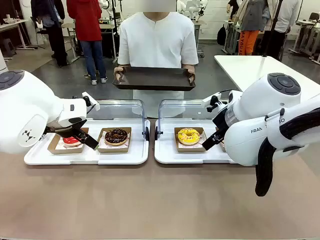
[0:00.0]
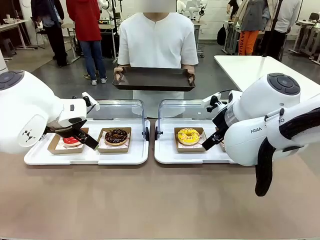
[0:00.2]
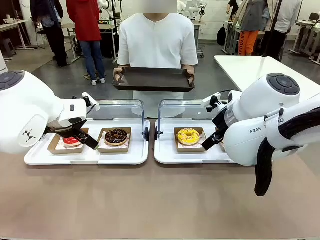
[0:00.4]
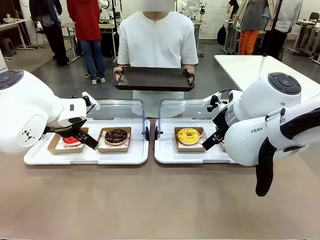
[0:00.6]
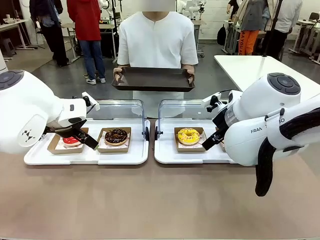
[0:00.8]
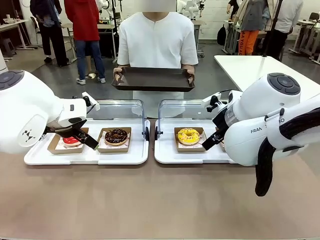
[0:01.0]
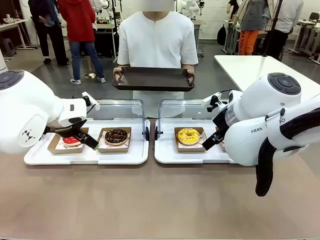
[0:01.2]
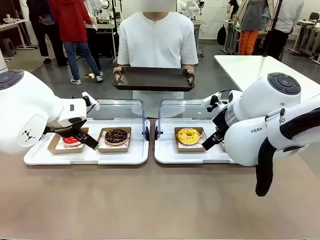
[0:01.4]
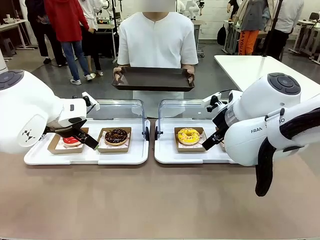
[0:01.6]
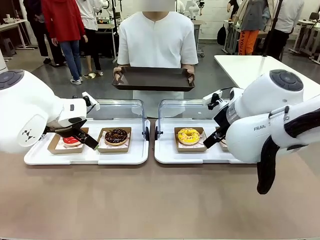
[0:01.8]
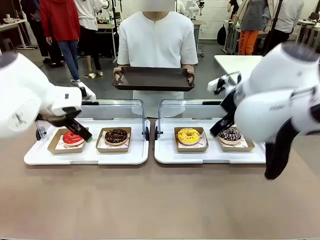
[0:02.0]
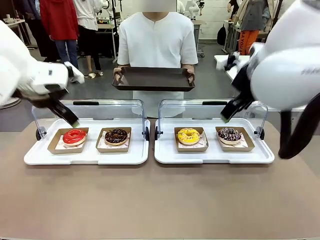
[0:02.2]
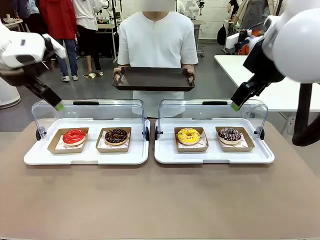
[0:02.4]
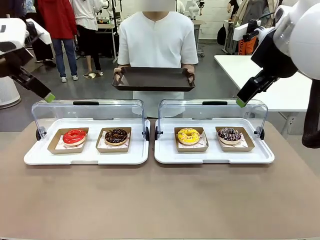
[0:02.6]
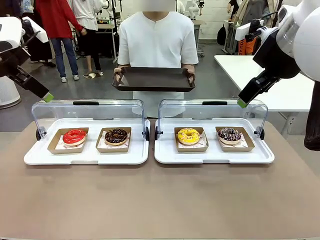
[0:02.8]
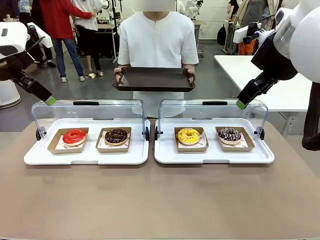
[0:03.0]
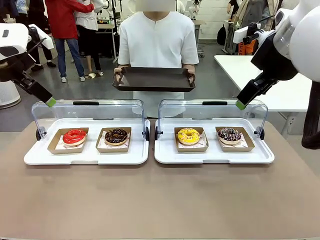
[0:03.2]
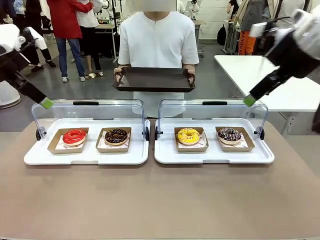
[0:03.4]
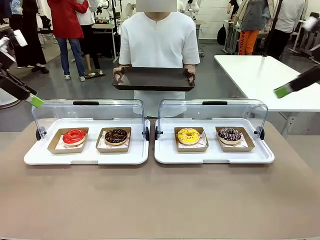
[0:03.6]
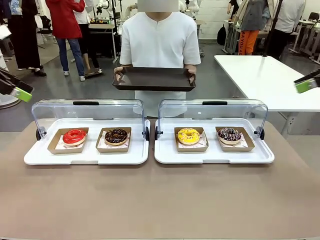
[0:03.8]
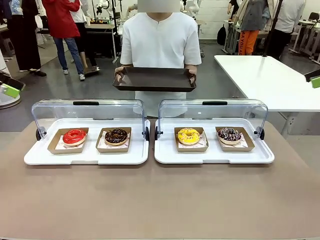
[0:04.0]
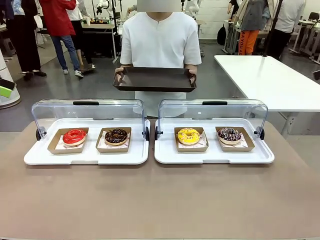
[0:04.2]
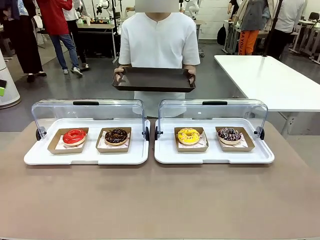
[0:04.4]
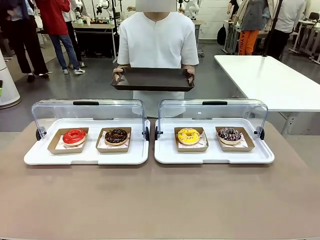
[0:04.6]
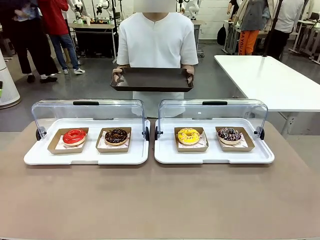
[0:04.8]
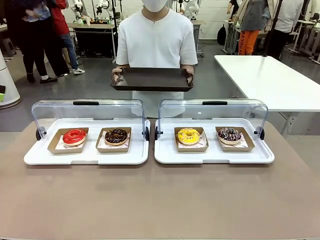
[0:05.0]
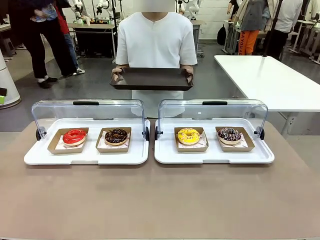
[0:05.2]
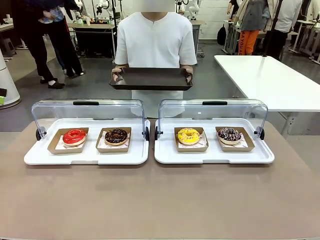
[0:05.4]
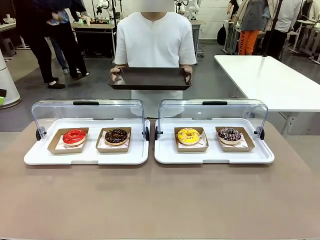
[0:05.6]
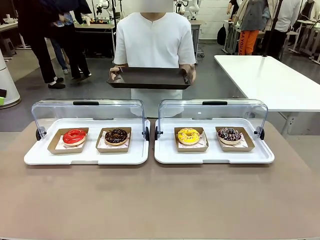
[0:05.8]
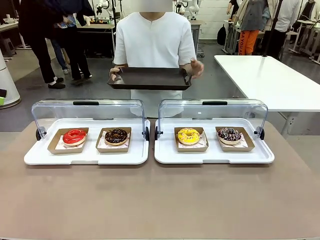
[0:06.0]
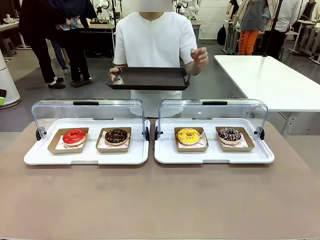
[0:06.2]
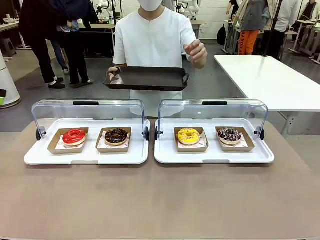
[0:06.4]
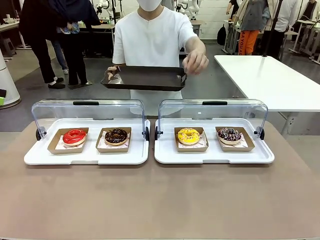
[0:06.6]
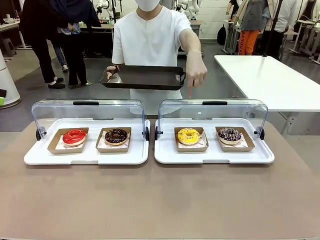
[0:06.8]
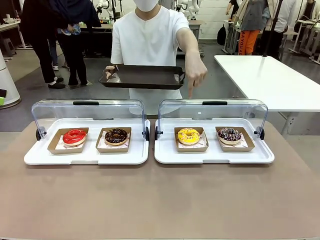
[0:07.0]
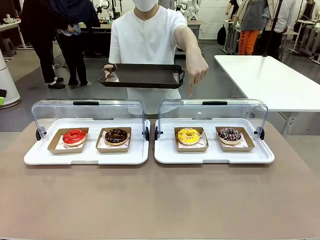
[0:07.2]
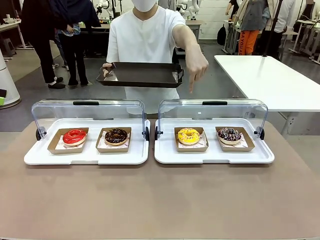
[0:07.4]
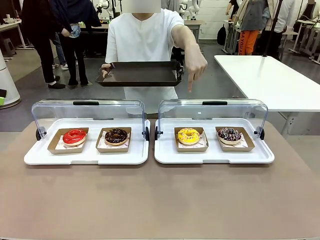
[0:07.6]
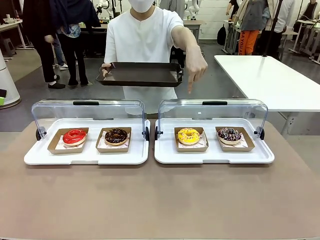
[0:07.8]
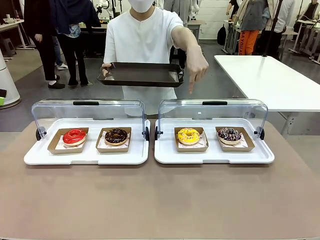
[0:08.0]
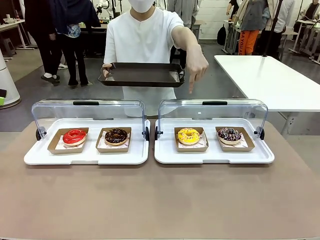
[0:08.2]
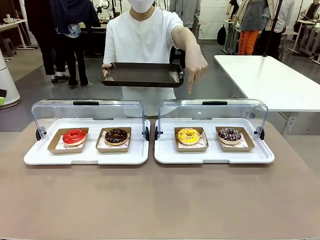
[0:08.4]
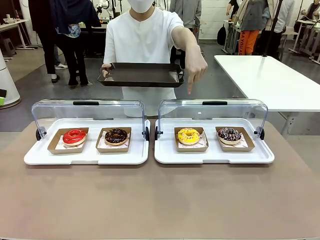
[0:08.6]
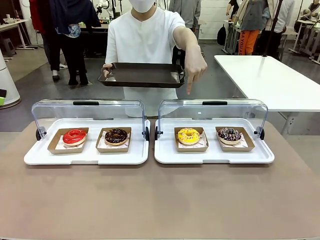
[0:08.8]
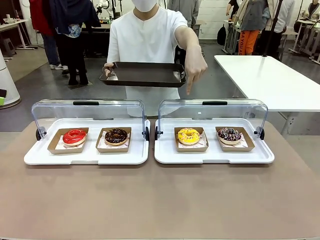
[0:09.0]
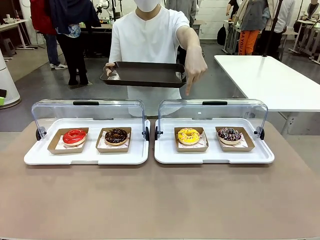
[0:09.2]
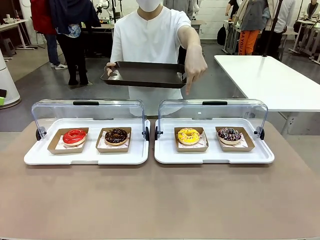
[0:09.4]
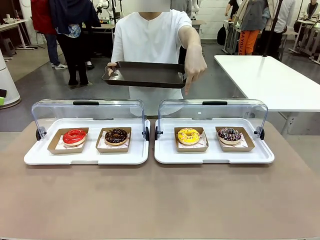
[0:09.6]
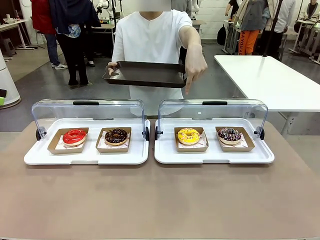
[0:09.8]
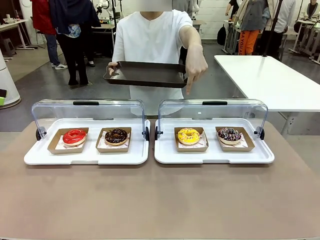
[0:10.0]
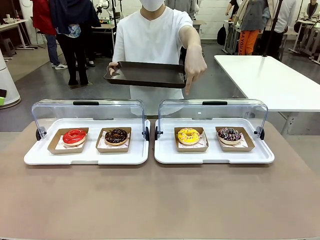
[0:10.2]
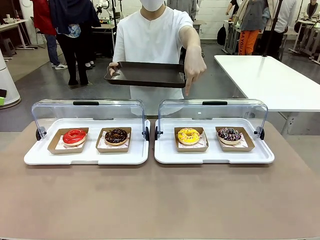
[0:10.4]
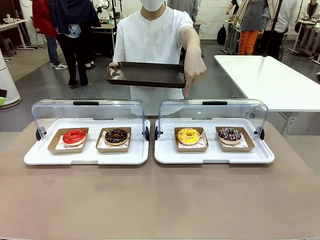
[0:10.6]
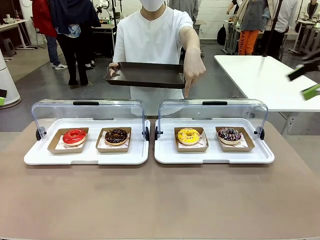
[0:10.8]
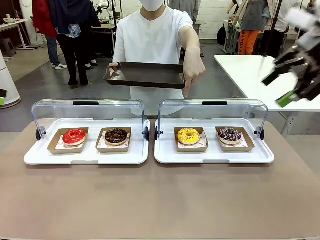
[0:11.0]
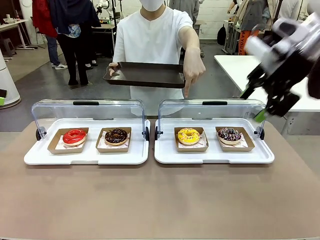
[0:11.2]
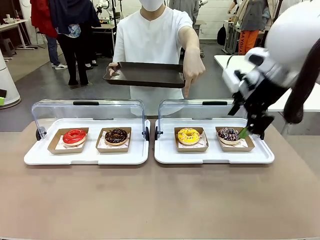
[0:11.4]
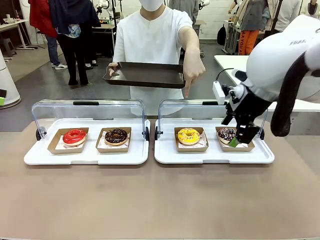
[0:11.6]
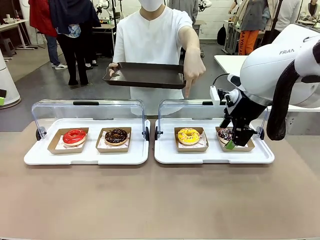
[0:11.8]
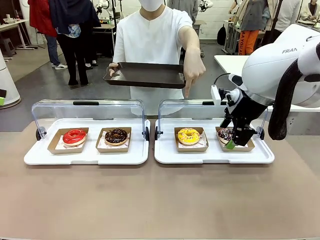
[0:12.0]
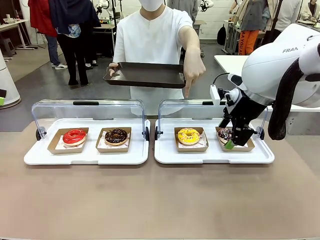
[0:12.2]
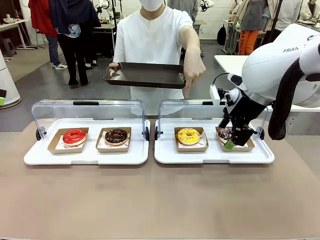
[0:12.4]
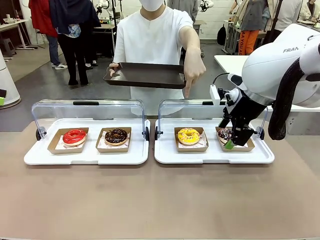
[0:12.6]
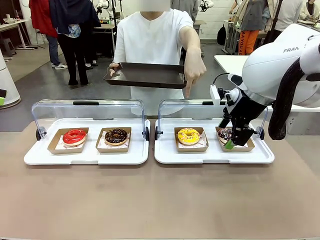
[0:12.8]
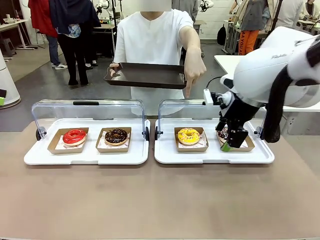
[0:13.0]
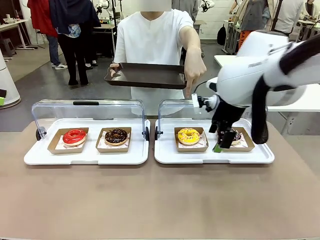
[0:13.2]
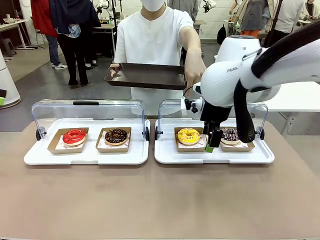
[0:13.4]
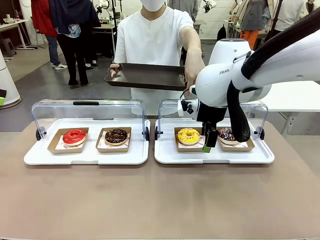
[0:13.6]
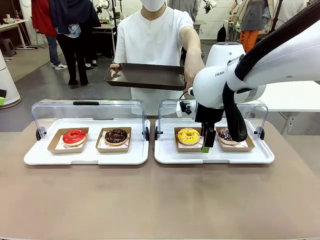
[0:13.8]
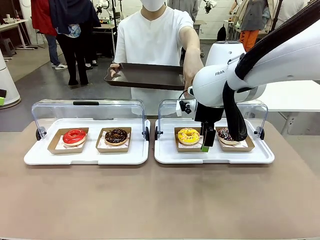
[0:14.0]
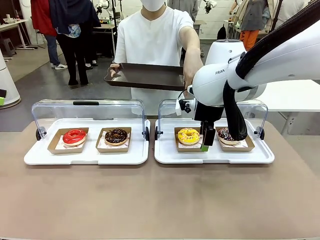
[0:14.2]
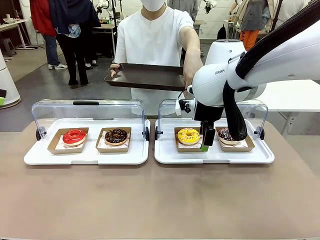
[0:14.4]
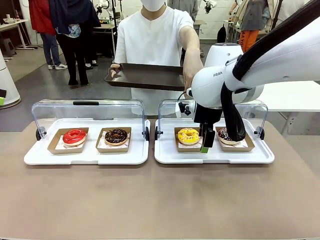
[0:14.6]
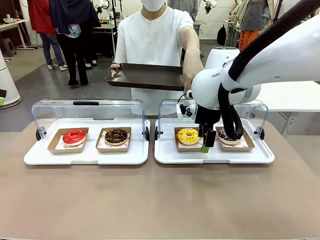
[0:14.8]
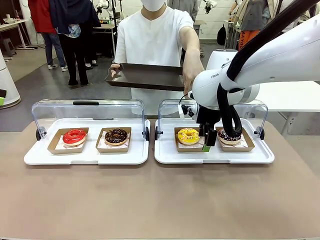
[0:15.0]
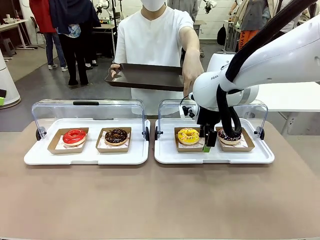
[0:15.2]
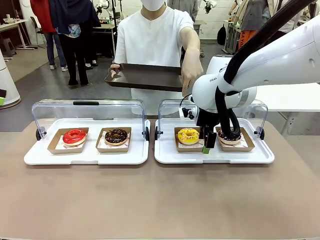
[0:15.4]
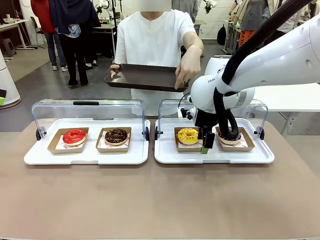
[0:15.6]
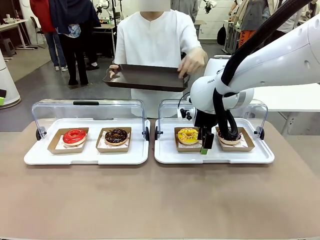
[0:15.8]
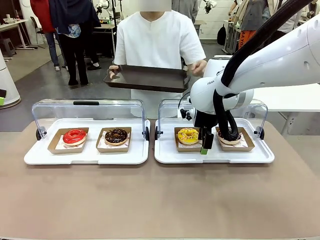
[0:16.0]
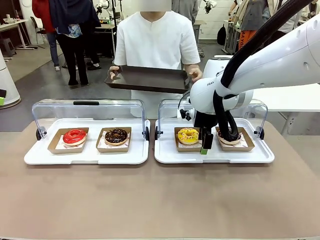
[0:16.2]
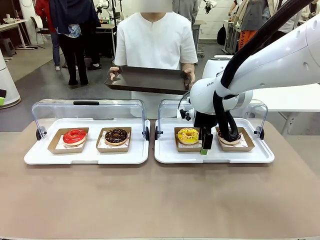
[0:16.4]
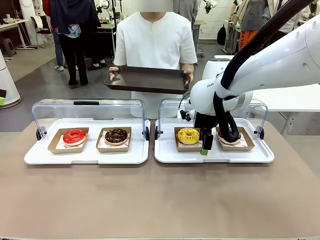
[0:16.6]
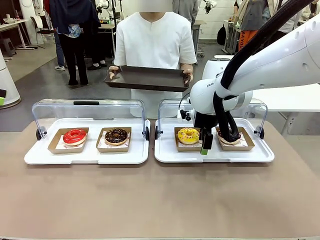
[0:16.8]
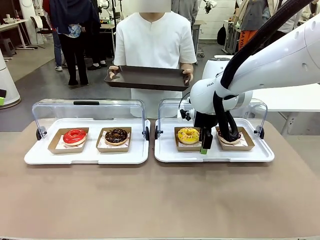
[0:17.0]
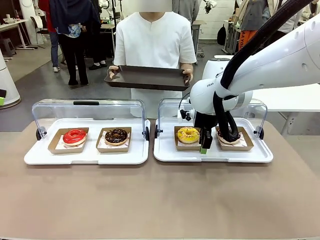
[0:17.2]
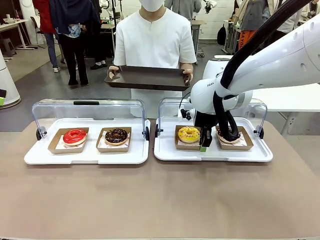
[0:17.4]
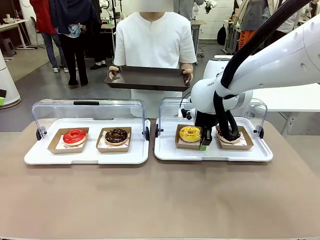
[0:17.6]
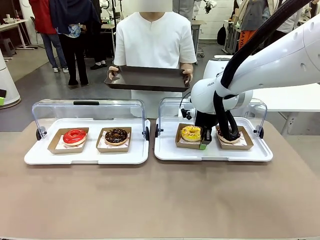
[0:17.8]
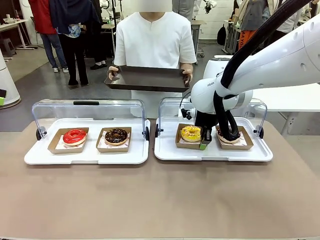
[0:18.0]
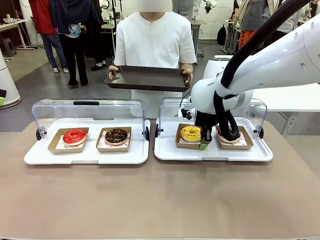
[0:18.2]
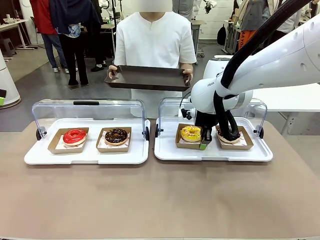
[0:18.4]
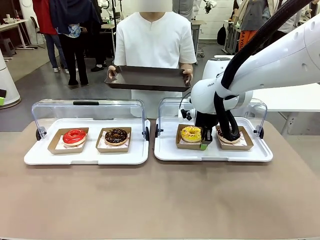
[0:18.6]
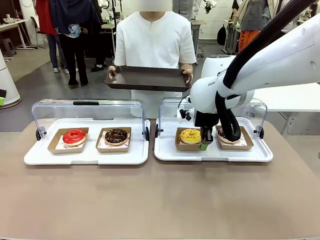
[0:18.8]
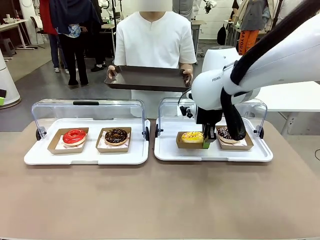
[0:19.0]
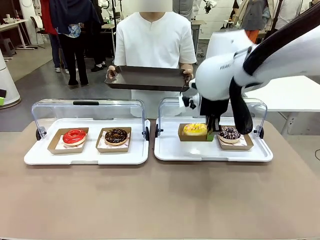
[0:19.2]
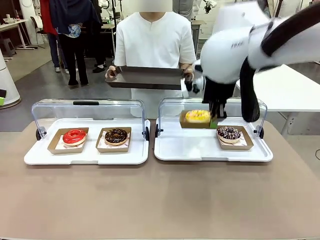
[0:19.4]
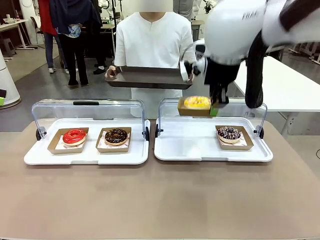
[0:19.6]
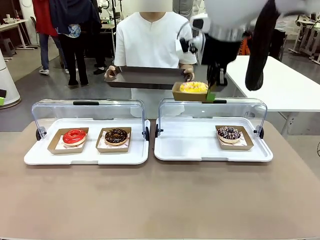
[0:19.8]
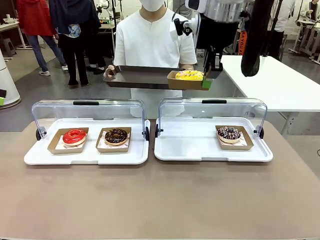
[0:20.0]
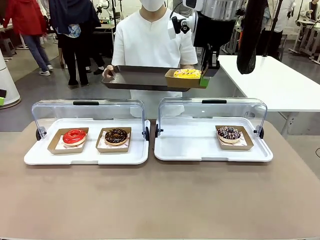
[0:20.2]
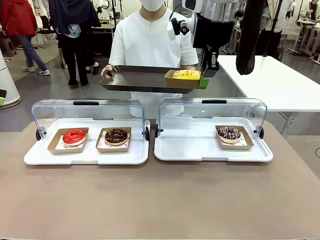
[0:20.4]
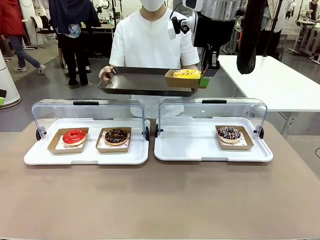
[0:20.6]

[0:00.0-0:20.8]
Task: Provide the desired donut to the person.
Robot: Pick up and lift the Paper togo box containing the Donut pointed at by the person.
Person: Point to one donut. Lift the tray onto the Roll-Top Bakery Case.
